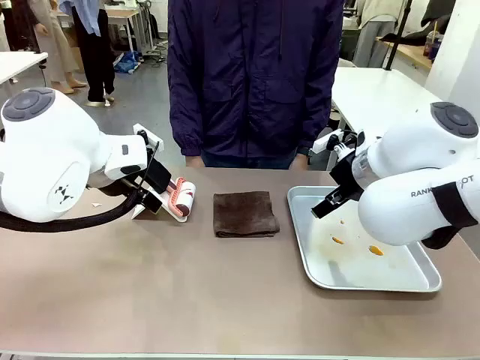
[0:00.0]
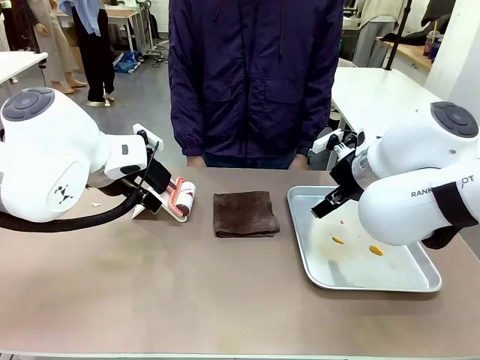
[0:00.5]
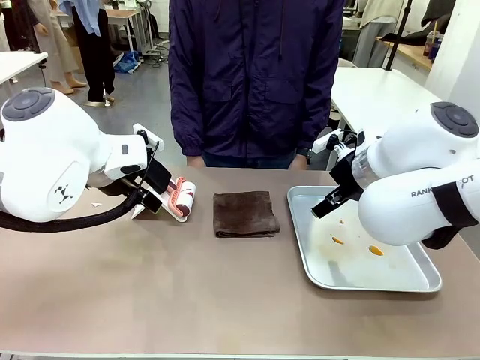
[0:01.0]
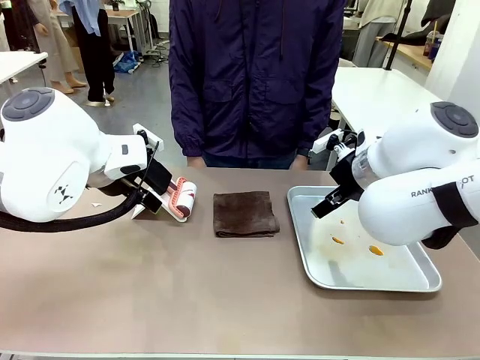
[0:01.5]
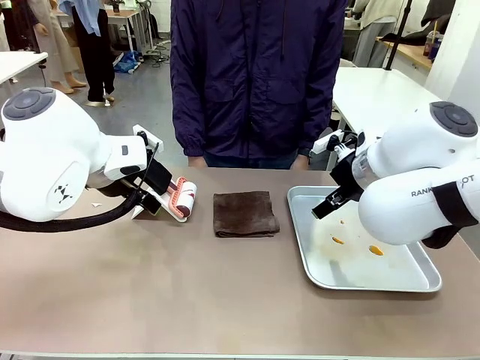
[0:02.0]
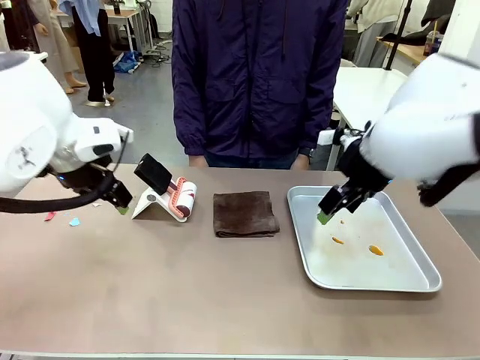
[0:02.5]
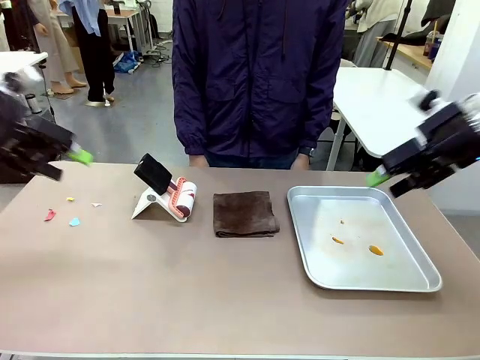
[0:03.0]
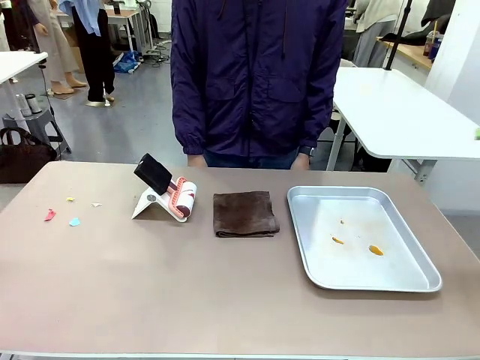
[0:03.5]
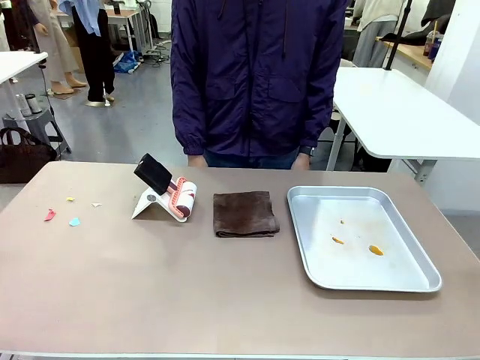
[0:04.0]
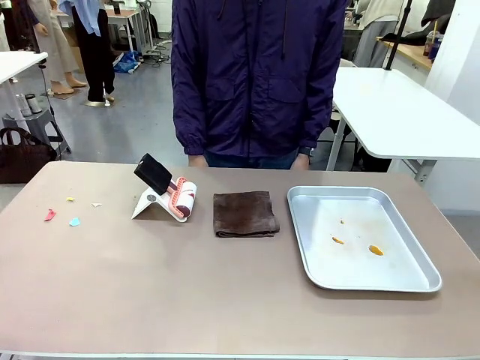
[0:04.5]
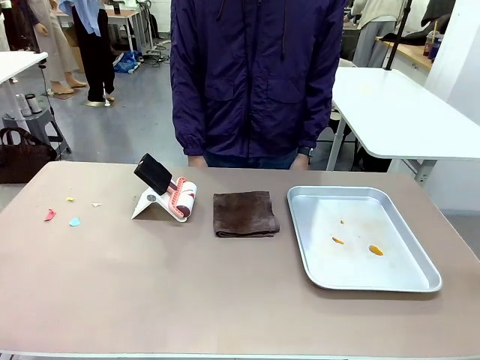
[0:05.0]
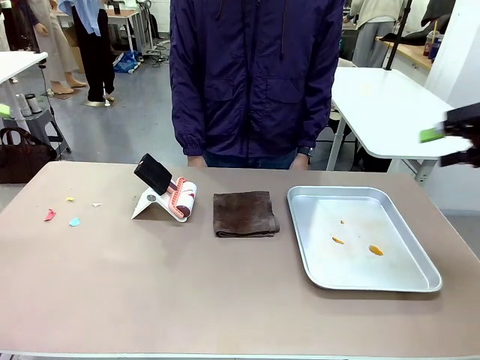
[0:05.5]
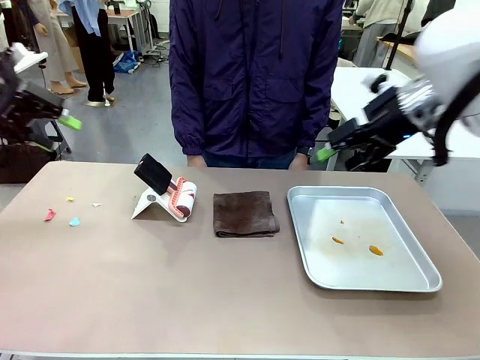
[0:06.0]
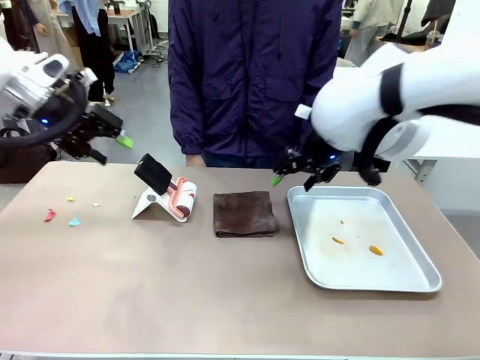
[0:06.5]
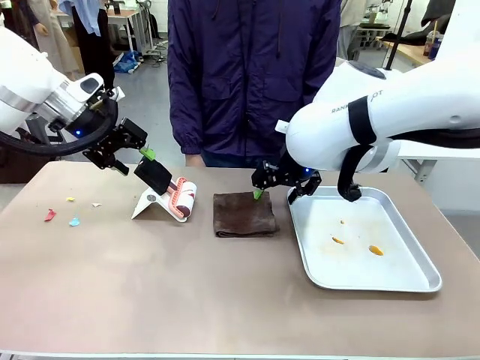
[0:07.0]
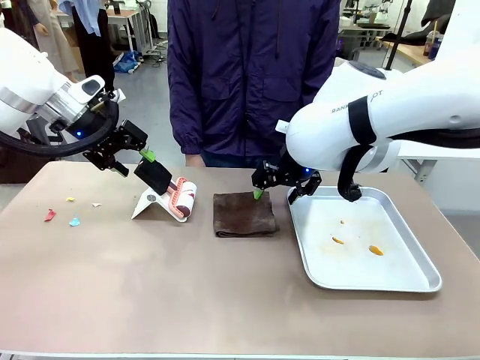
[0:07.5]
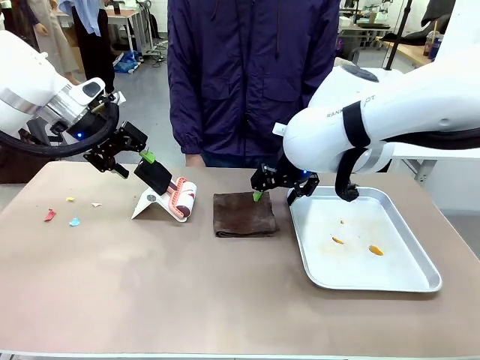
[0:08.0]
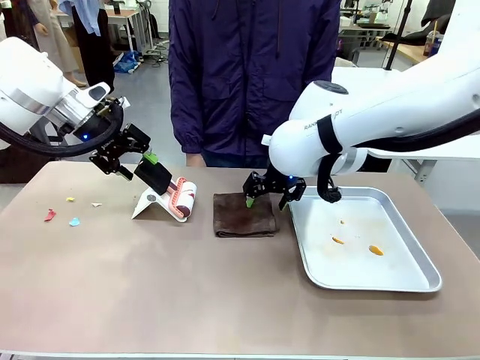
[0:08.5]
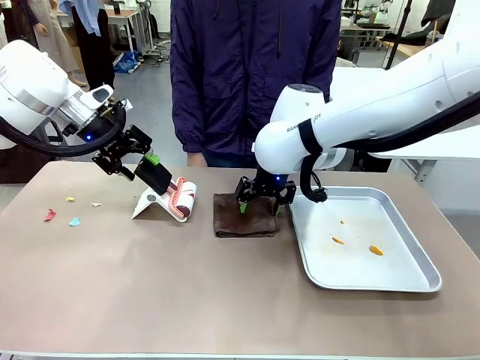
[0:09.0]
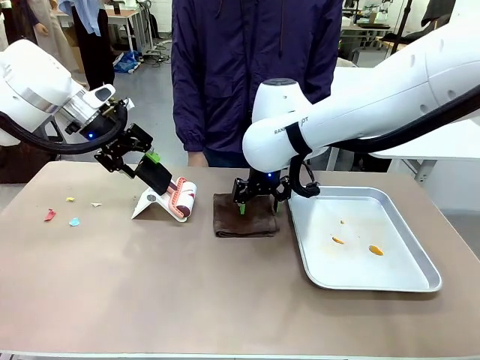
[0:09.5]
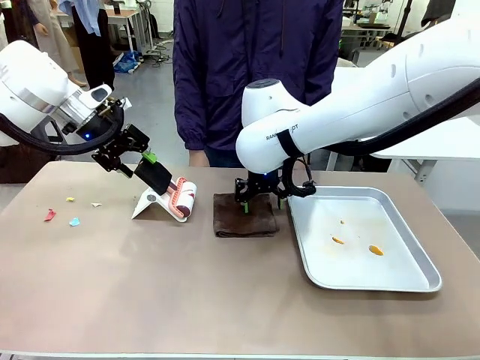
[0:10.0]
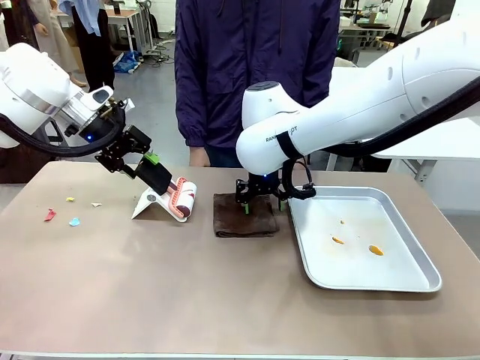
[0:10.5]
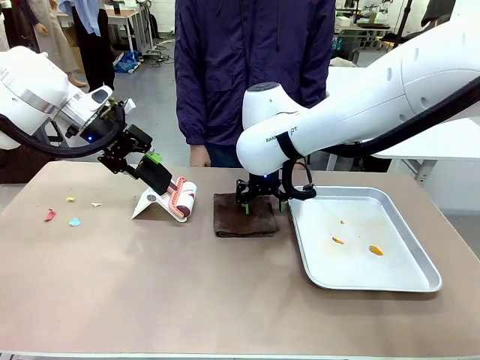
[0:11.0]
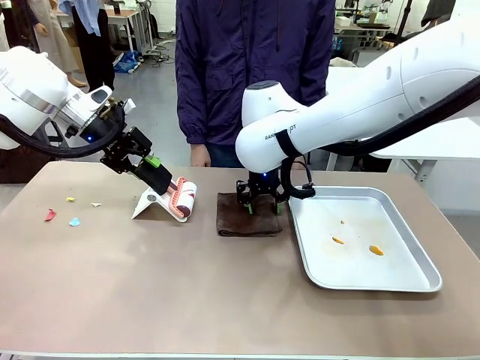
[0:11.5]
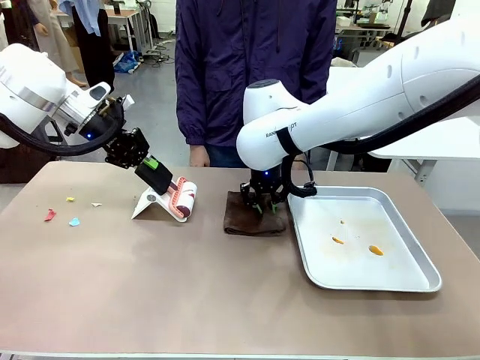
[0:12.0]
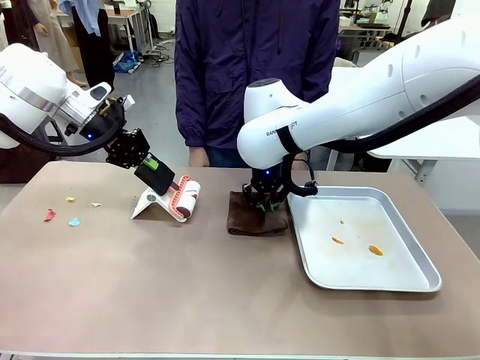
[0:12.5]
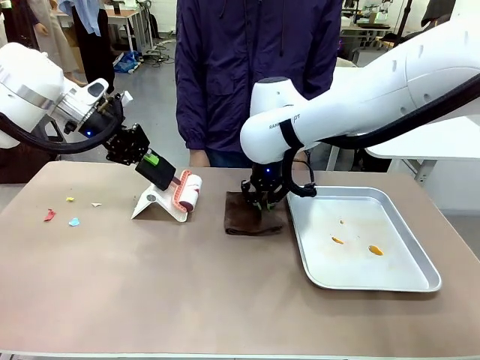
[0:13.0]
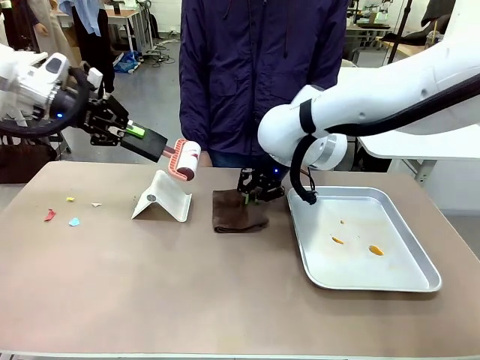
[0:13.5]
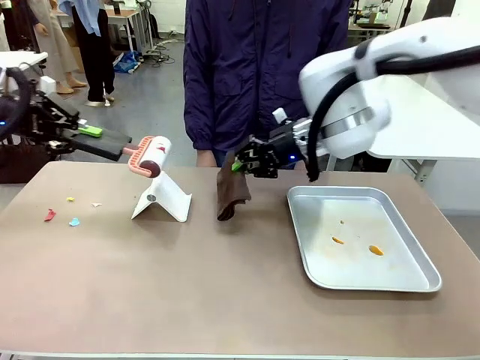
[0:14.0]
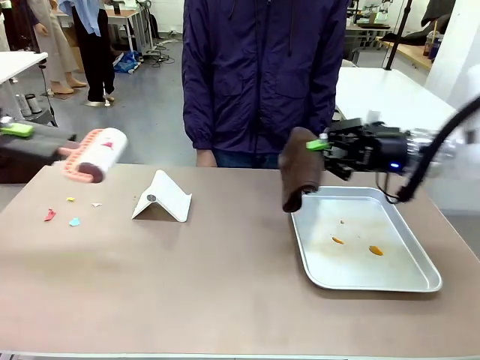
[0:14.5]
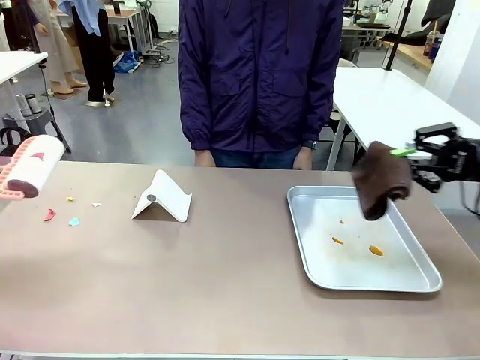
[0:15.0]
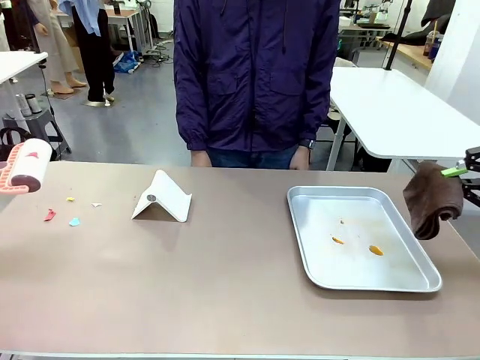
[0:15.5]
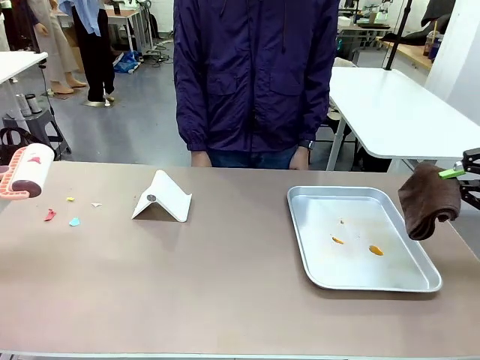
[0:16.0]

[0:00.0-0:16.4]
Task: Clean the surface of the table.
Robot: Hold the Lint Roller with your left hand and the towel with your right hand.

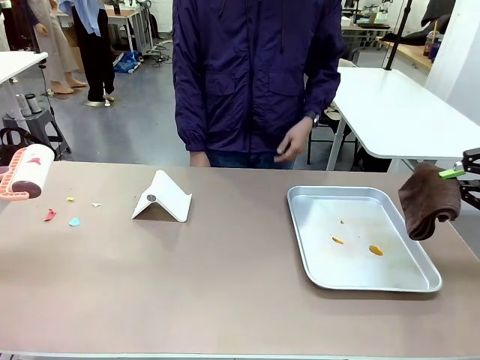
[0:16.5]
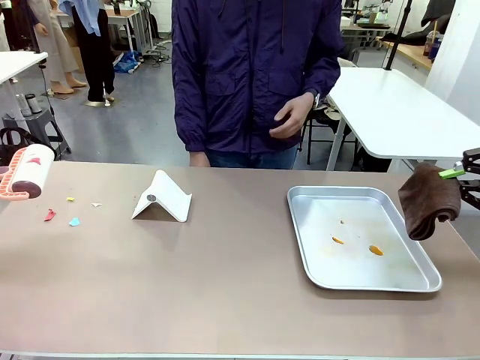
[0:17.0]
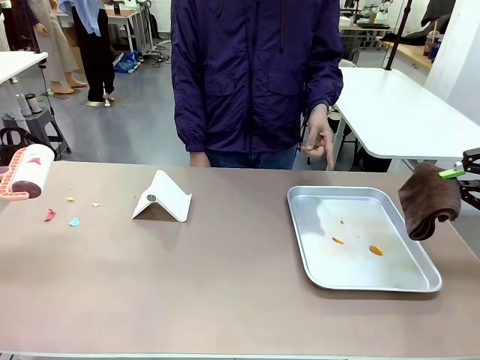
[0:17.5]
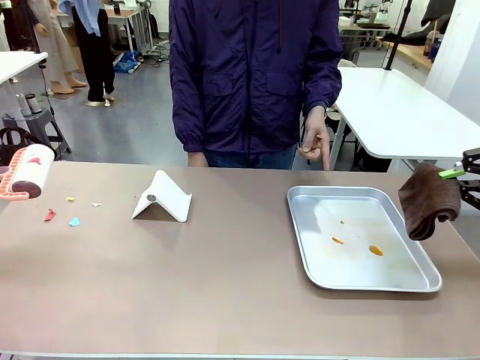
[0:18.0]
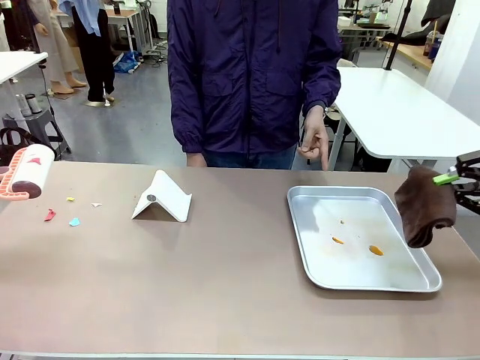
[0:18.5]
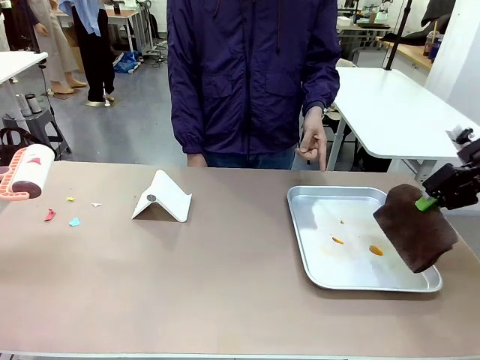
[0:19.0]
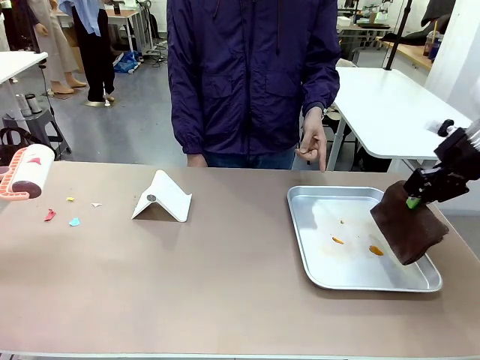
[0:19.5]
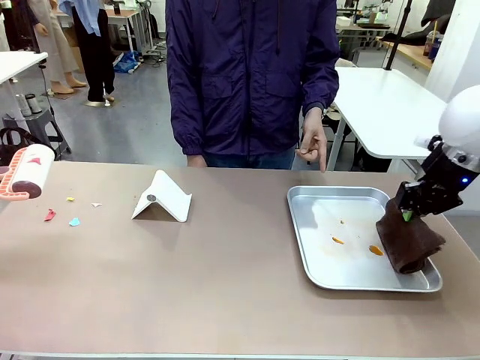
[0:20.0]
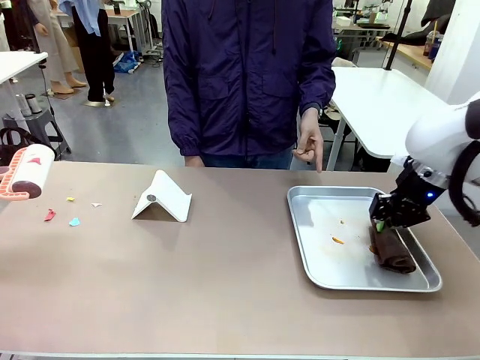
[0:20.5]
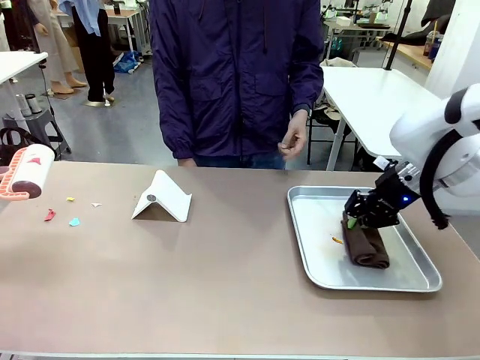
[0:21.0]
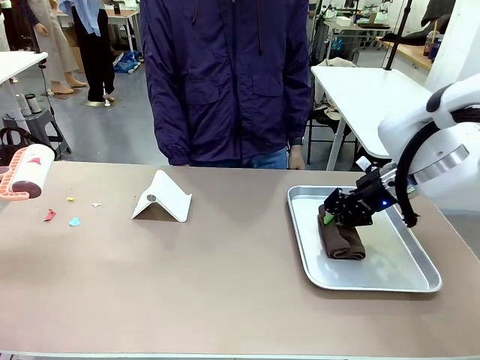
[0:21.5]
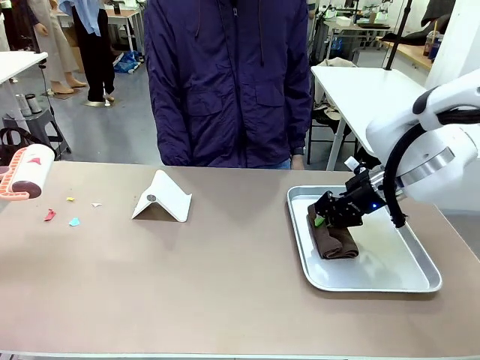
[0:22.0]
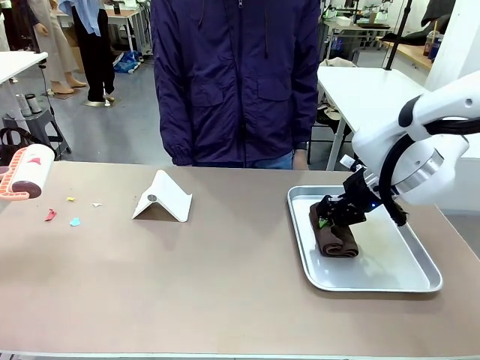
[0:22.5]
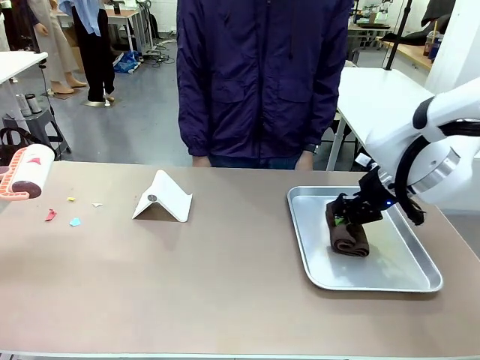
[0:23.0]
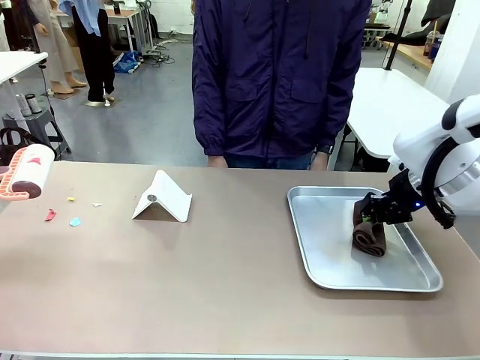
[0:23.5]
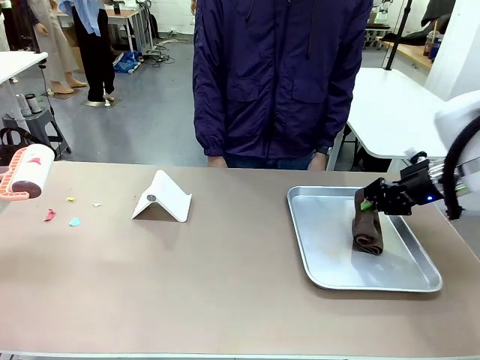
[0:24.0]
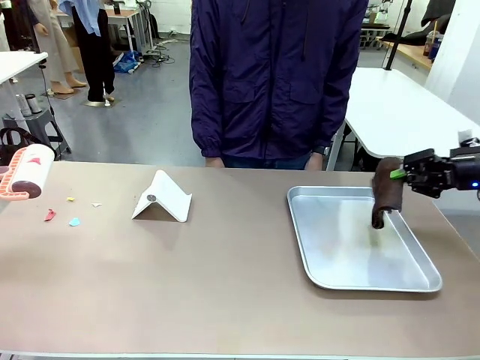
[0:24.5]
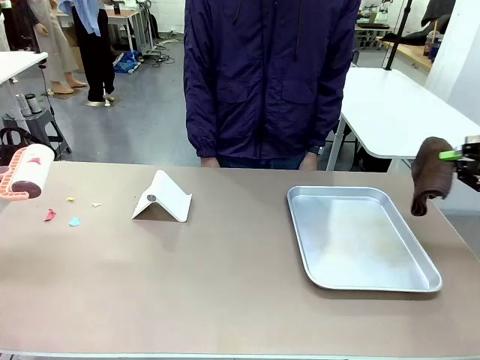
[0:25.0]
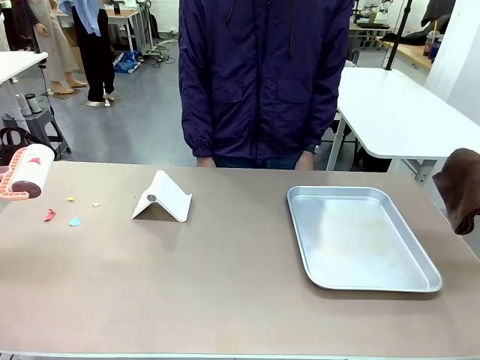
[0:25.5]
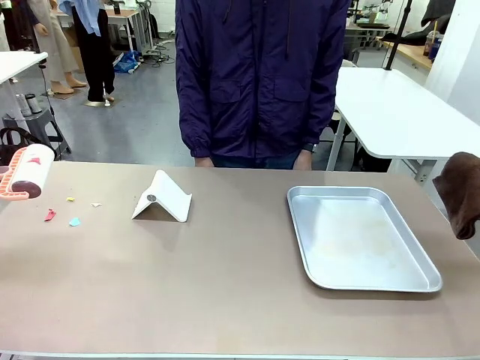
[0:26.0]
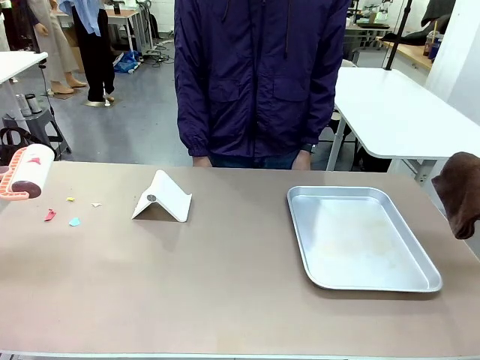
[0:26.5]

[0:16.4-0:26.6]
Robot: If a person points to the right, clean the right side of the table with your right hand, and if they point to the left, clean the left side with your left hand.
